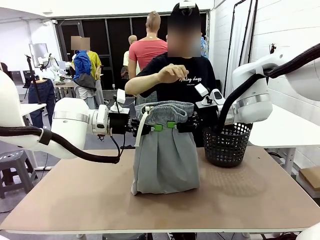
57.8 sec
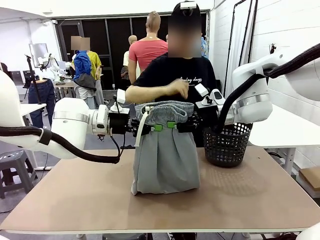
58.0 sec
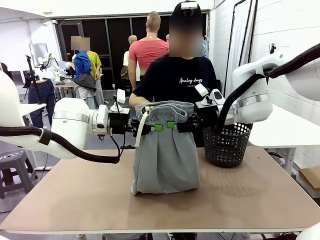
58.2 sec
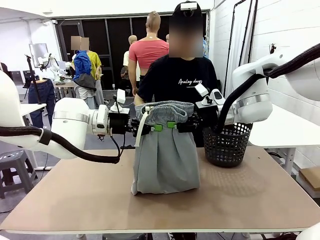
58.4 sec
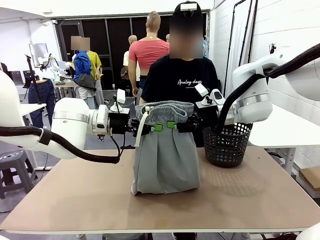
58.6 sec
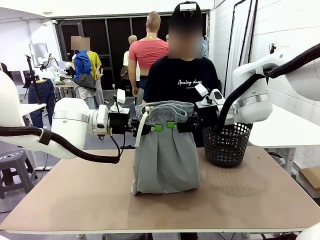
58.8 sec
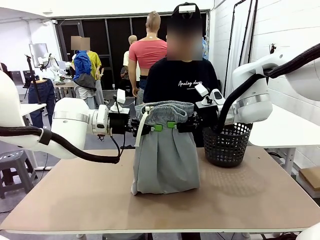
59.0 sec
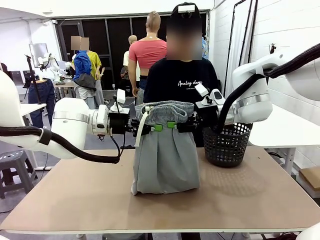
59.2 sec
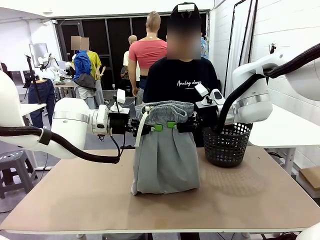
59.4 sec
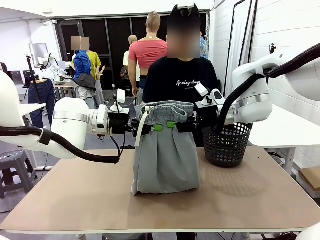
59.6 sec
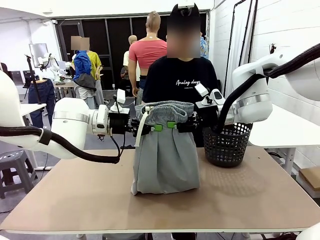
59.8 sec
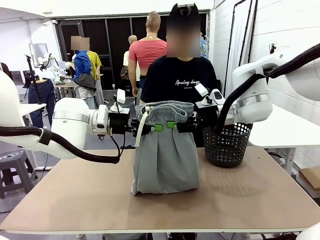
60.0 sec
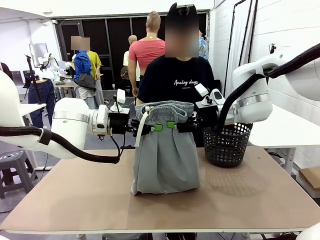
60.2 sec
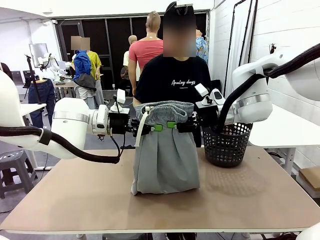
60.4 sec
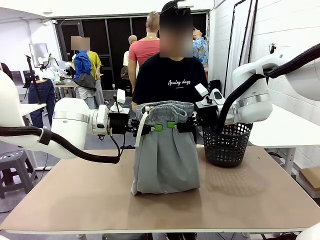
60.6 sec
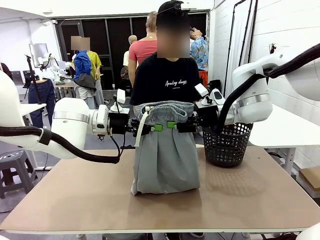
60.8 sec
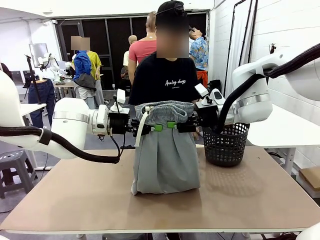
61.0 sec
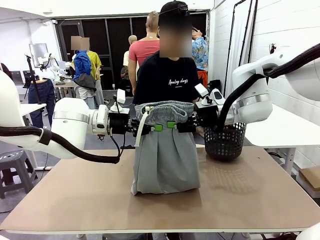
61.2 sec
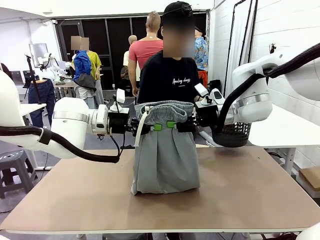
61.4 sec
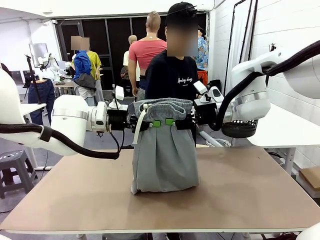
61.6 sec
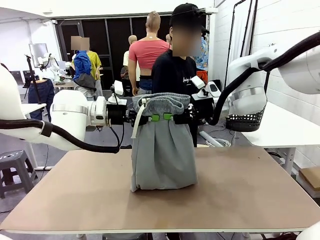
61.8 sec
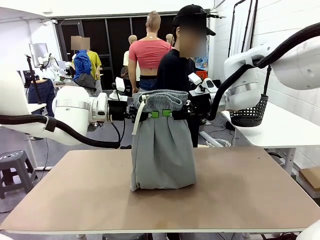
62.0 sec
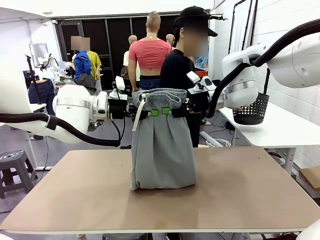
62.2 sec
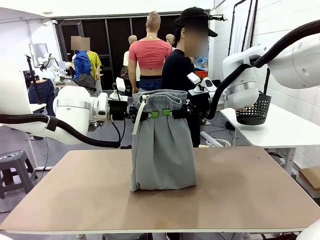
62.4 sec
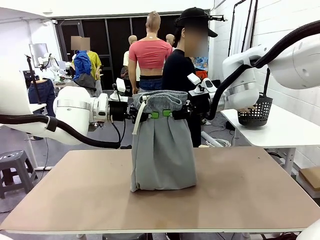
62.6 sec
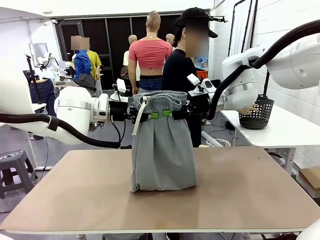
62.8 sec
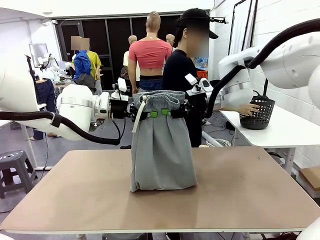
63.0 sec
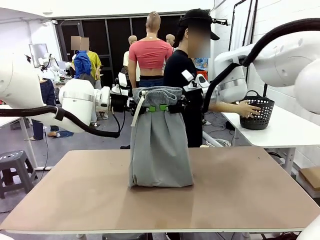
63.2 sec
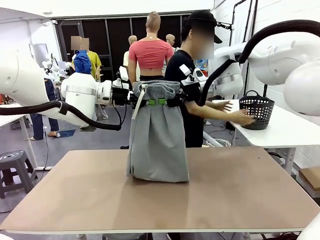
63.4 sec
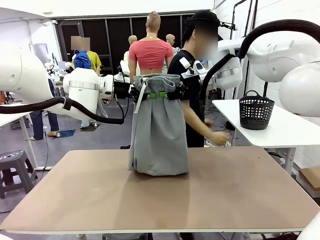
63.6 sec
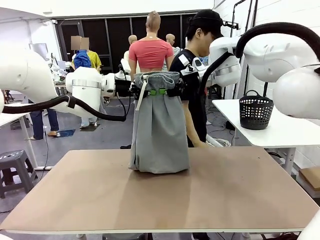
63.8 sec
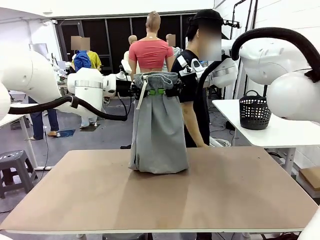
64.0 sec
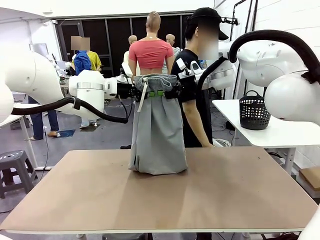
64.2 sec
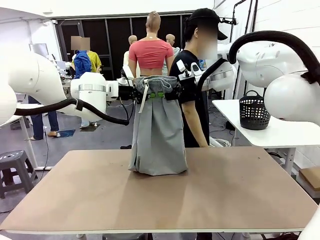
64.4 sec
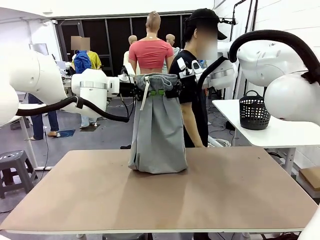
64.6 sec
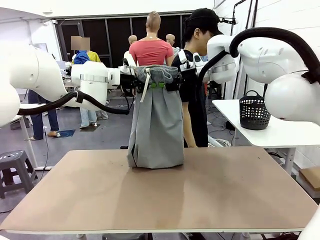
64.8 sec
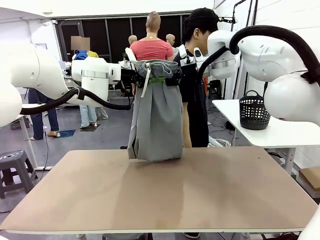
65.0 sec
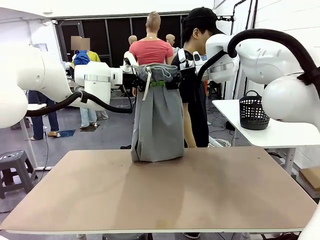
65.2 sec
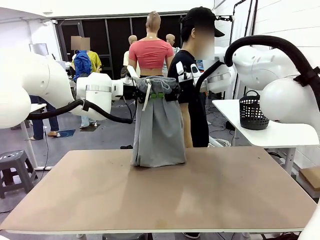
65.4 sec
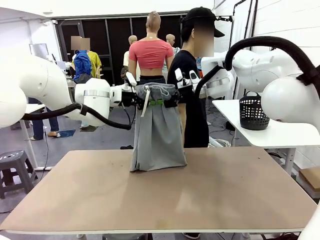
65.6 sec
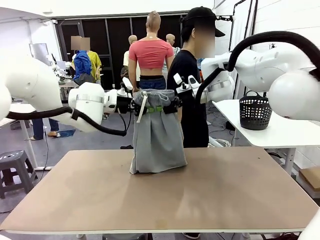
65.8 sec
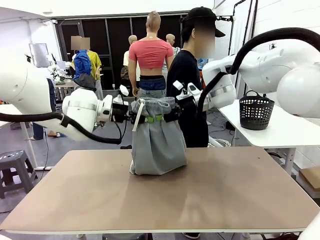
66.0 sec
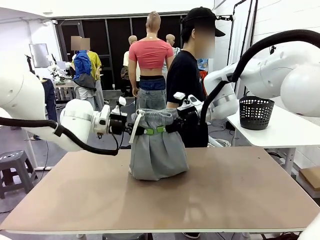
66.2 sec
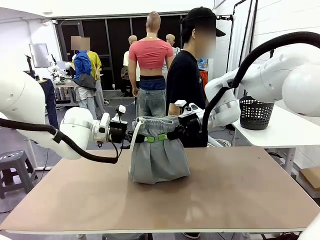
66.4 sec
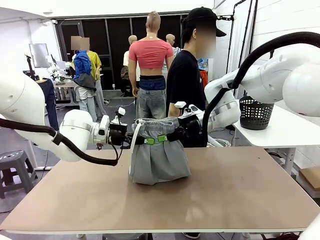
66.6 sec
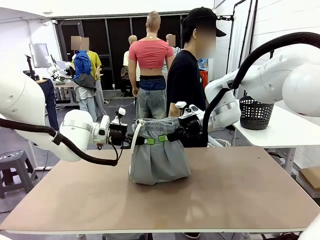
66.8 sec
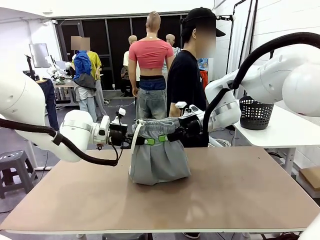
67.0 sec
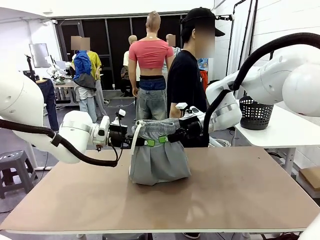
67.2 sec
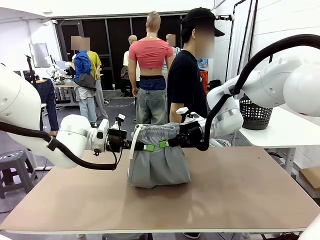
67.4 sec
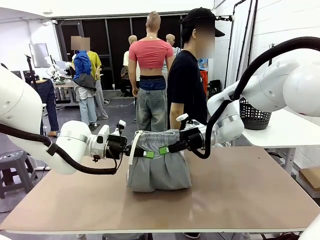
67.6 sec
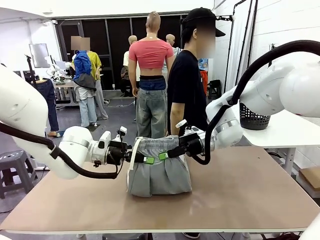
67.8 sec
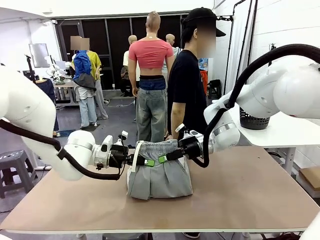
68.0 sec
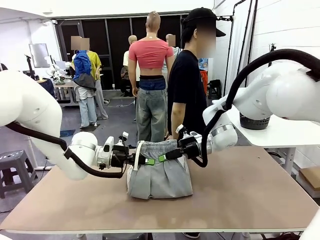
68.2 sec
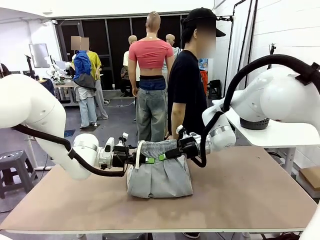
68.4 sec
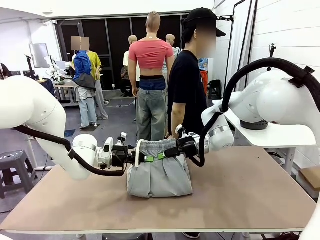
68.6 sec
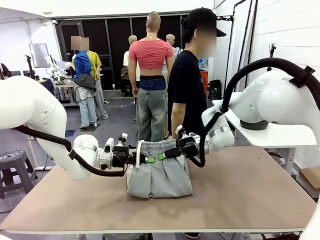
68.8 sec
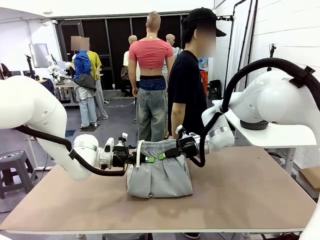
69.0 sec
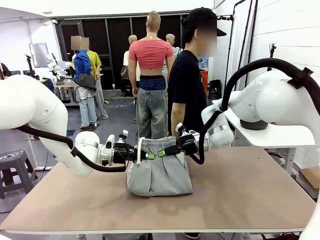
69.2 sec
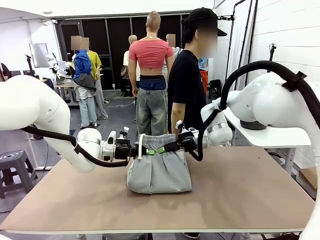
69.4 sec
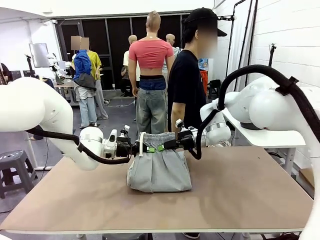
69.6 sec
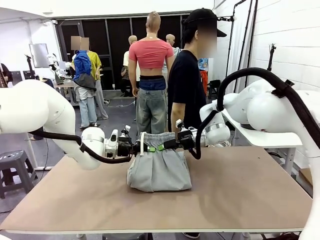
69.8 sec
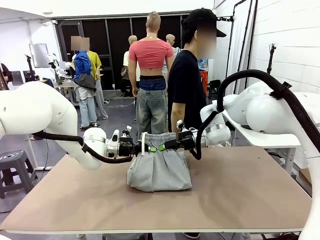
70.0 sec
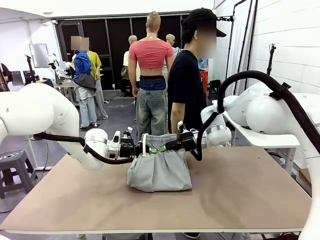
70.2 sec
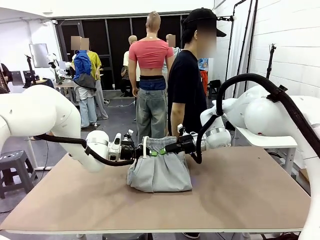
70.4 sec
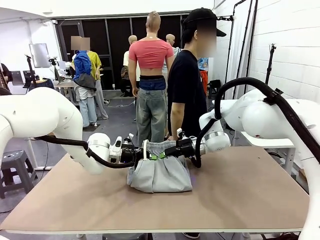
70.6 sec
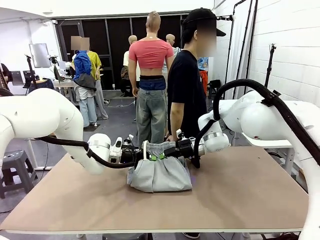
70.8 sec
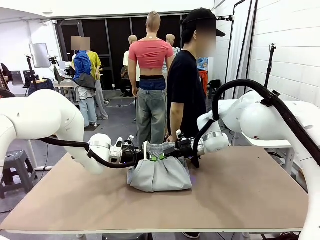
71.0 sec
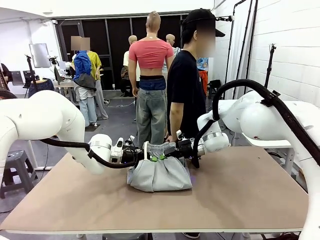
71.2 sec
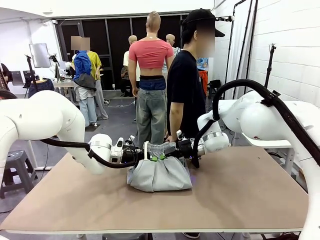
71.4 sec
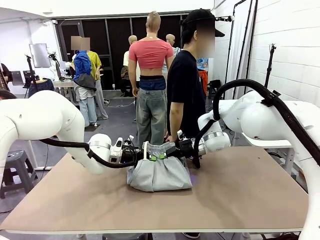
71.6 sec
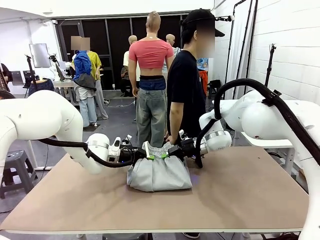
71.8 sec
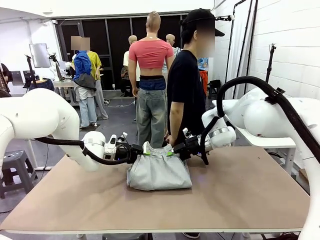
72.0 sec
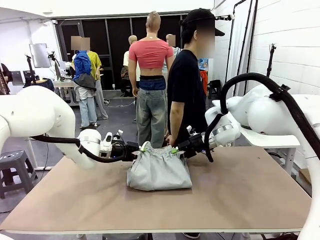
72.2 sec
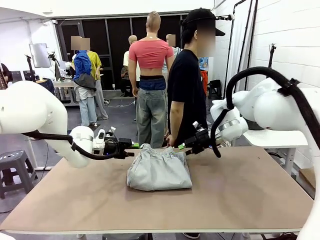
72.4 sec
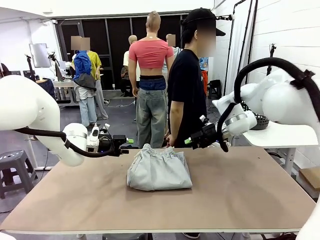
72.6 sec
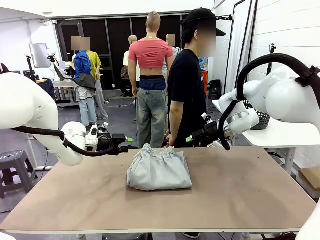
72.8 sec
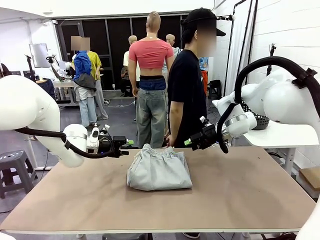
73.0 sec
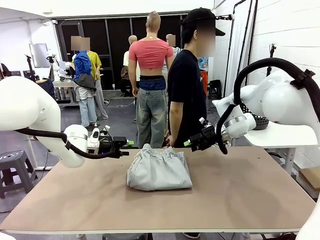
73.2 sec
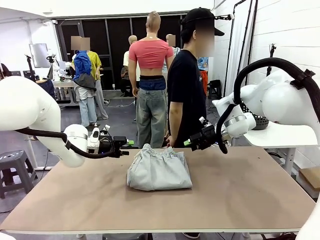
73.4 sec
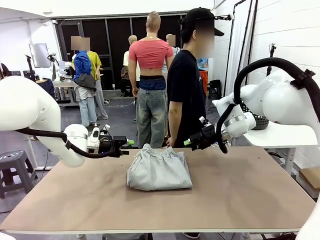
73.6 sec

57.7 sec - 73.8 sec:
Task: Fold the training pants.
Robot: Fold the Training pants in half.
Person: Move the laundry basket to the right of the human table.
